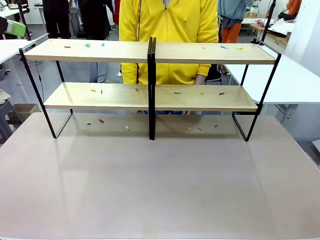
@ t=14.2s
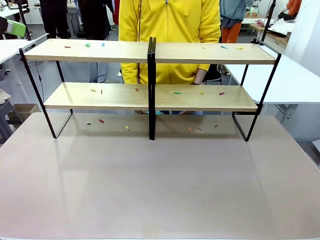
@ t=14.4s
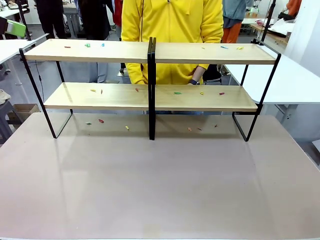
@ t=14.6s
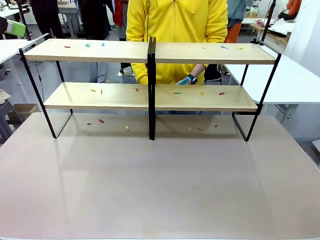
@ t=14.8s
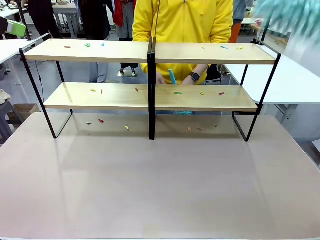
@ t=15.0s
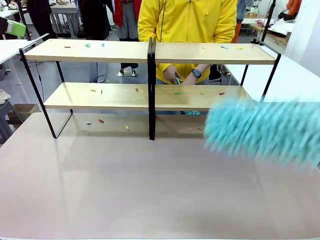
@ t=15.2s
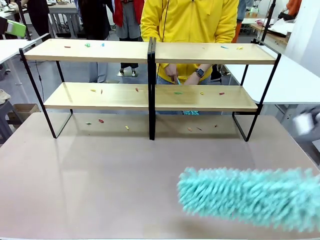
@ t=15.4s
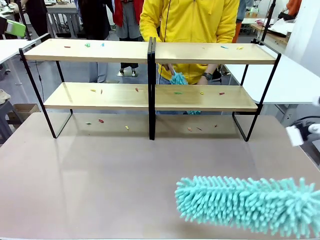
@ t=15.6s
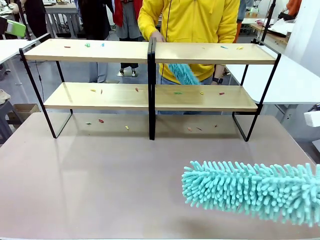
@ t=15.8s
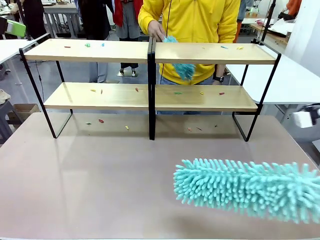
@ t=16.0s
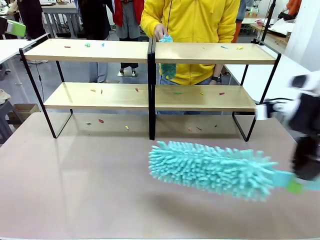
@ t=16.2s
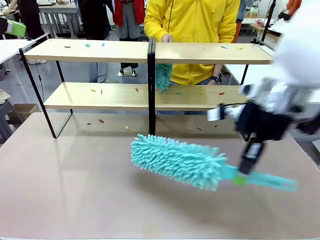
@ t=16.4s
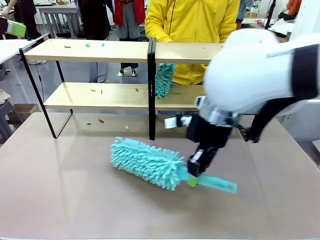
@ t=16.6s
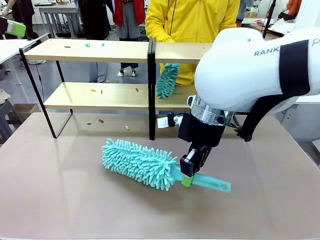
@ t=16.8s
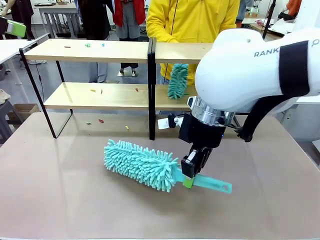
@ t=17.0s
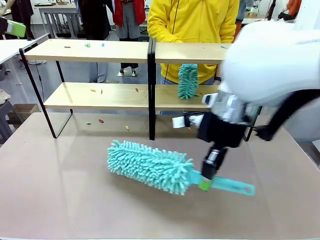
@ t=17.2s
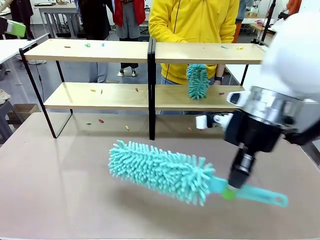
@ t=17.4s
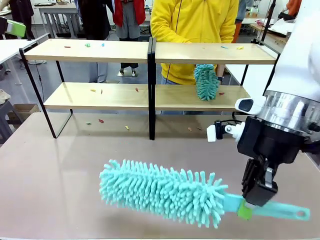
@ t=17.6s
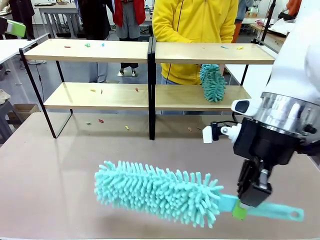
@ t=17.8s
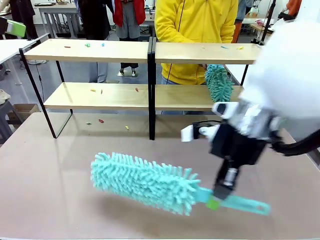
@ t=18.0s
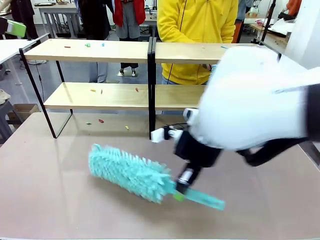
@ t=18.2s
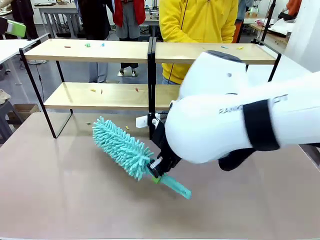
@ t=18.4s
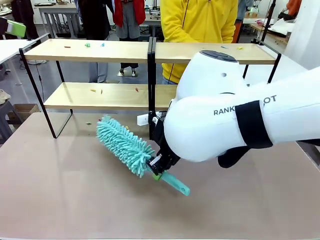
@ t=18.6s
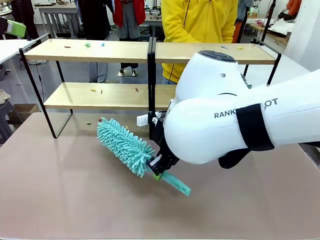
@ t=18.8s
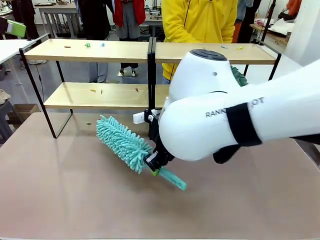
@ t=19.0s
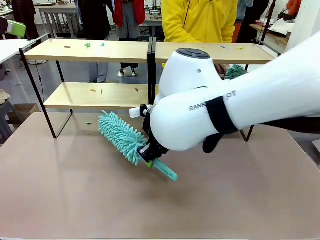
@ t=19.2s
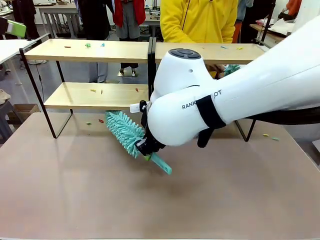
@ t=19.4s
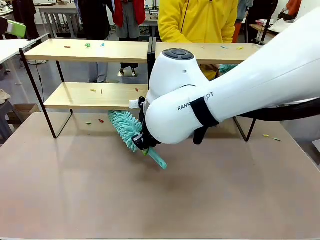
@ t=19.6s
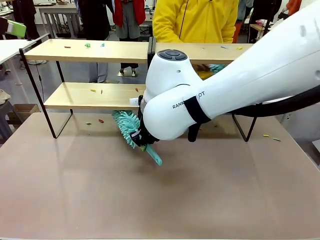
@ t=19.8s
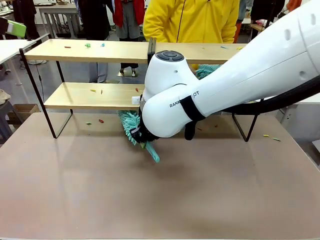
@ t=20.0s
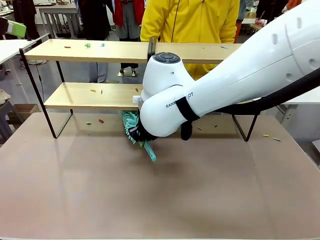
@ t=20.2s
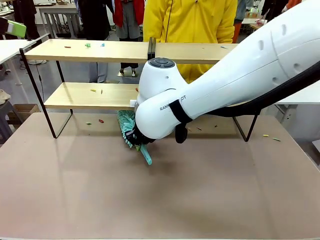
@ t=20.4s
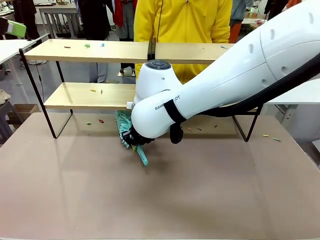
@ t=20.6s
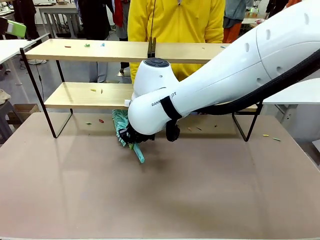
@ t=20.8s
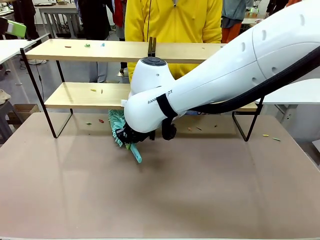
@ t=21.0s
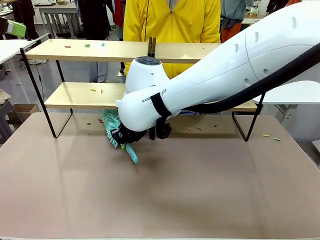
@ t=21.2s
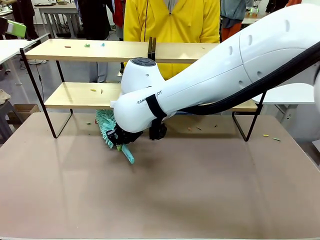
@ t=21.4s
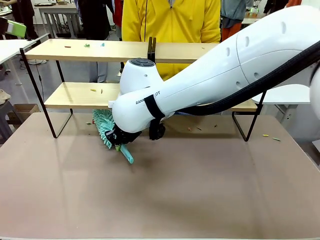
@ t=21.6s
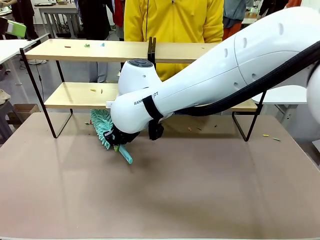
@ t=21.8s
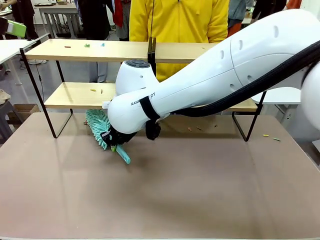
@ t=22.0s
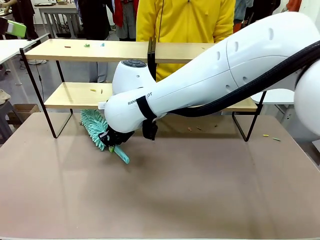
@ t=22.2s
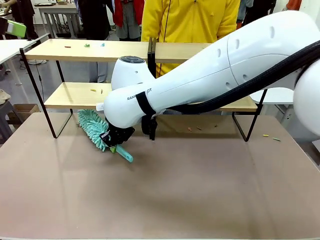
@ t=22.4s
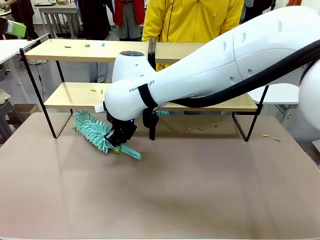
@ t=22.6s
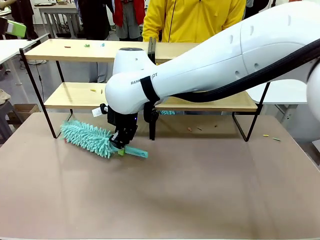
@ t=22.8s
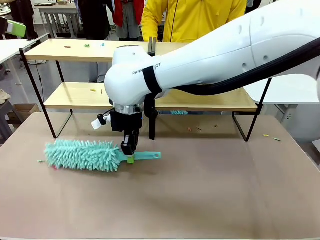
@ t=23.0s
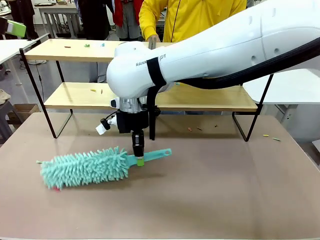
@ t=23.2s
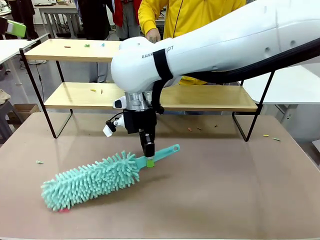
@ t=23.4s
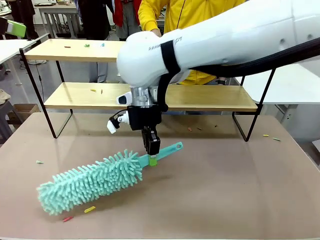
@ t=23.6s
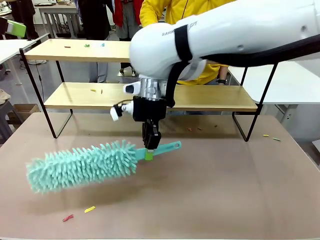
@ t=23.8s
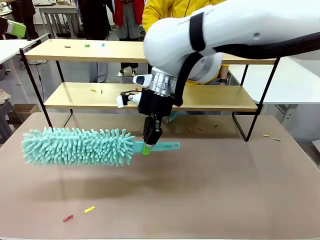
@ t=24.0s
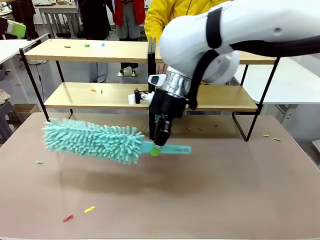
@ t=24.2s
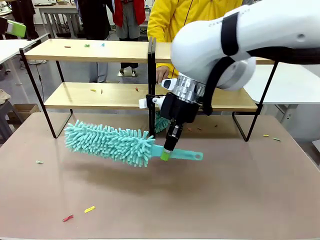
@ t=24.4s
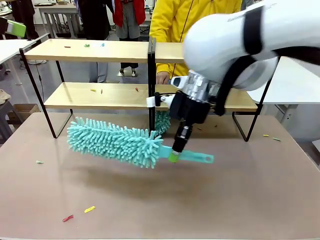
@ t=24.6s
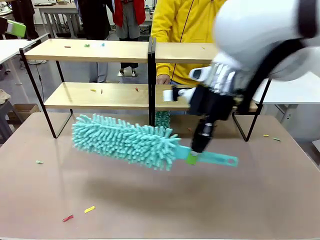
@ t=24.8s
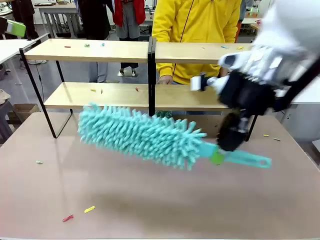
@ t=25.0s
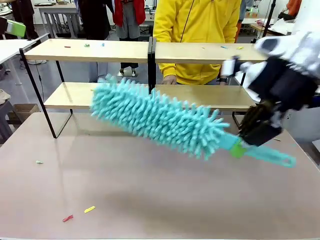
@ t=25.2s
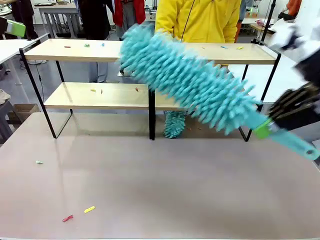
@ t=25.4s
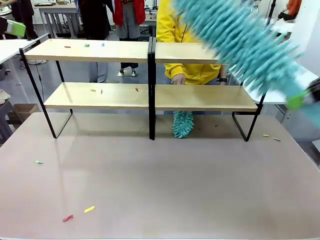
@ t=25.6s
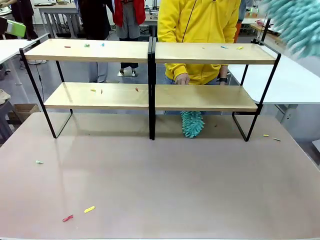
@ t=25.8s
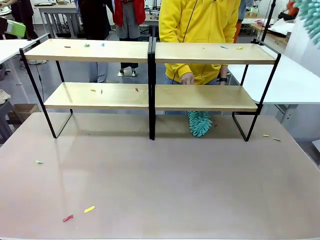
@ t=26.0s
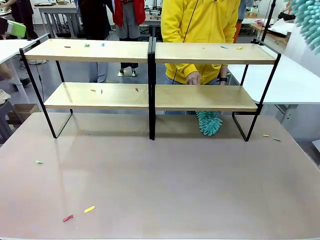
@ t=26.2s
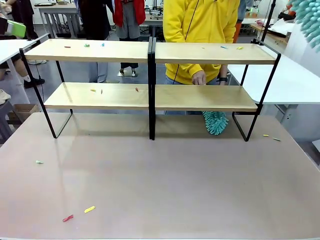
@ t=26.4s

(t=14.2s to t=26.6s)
Task: Clean the shelves.
Robot: Clean a randomly selected level of the Shelf with the Duster.

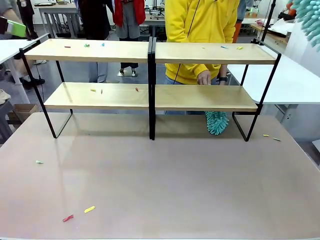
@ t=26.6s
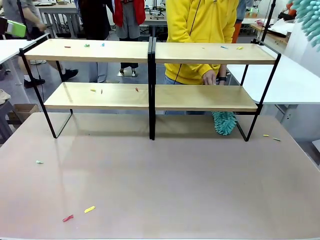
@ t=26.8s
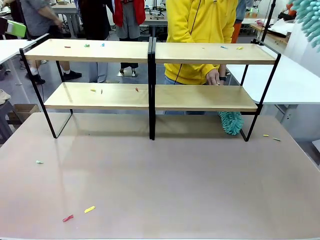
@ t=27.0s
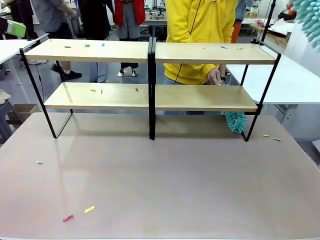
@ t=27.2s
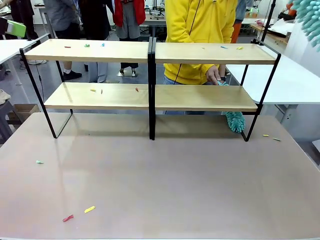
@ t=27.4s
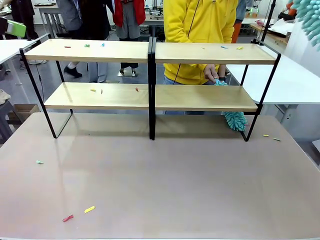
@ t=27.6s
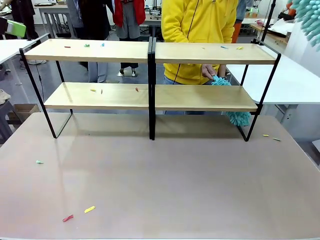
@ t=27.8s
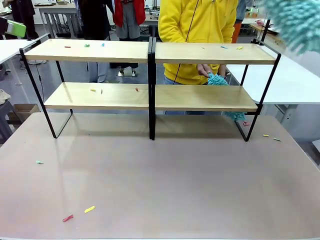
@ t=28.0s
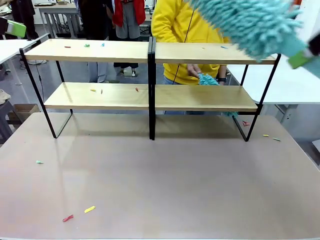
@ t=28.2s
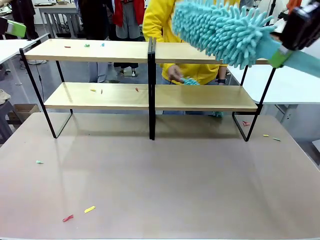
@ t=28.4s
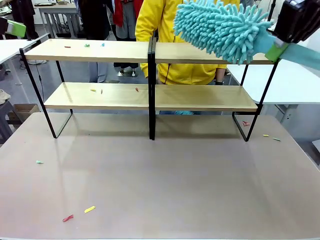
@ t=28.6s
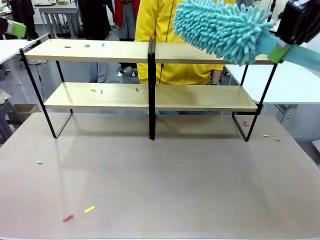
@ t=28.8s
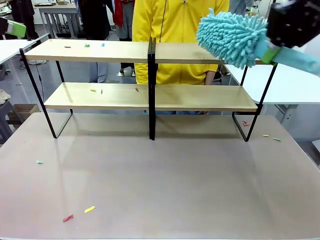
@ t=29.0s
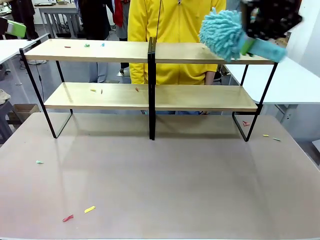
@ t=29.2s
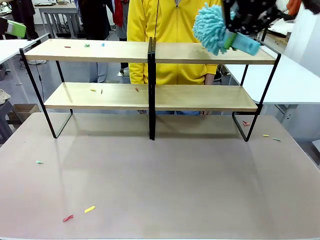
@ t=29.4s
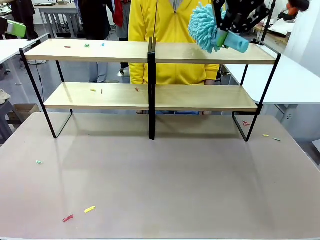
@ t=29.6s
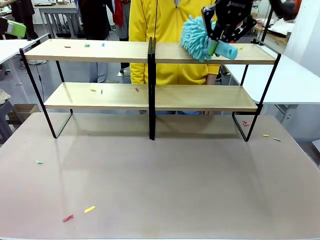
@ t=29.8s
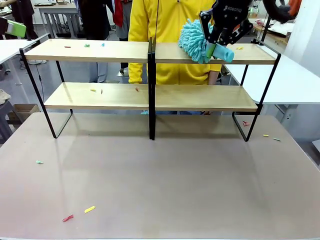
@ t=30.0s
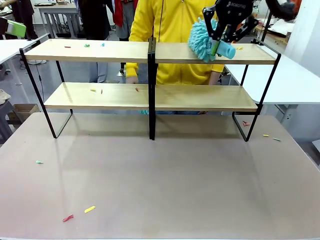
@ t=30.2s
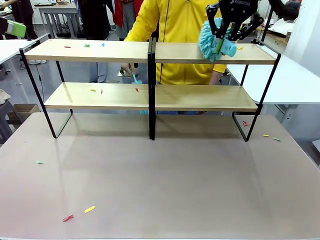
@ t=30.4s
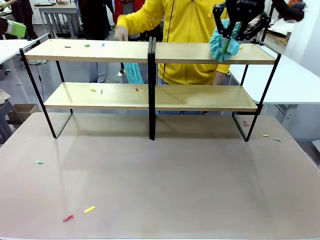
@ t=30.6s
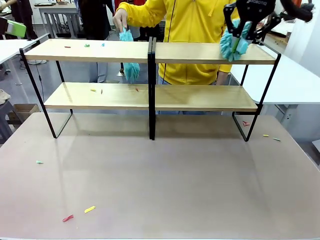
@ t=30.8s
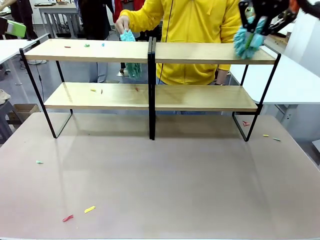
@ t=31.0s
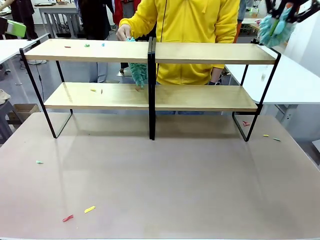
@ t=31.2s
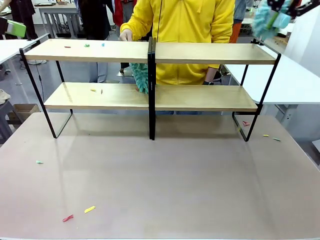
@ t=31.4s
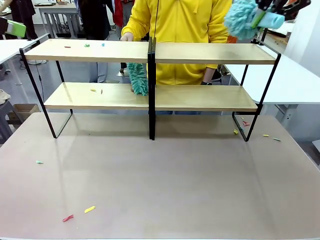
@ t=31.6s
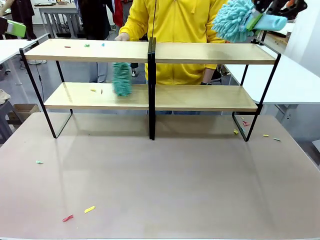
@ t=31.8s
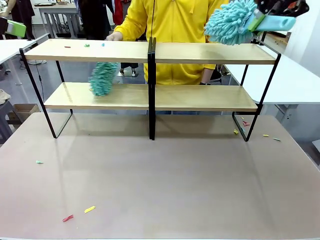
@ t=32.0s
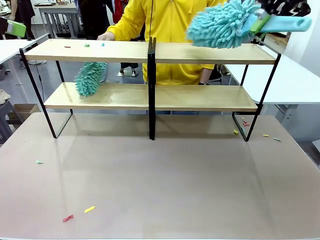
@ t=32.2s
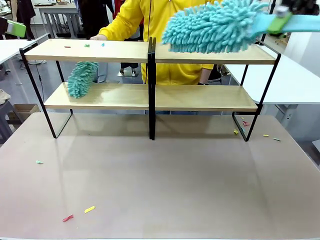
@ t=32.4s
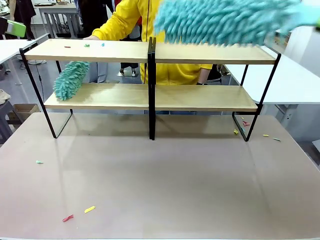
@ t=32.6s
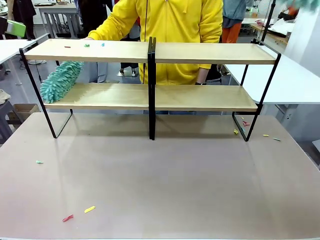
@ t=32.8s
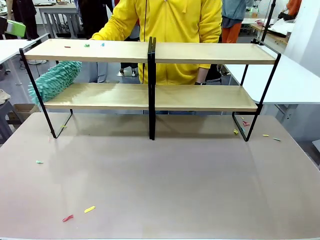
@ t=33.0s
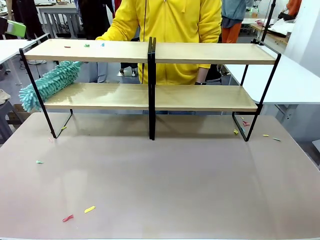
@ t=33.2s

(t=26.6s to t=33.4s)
Robot: Clean another randomly selected level of the Shelf with the Duster.

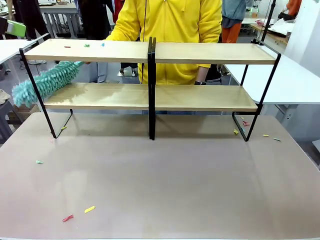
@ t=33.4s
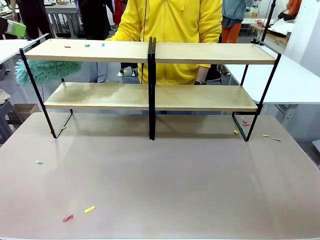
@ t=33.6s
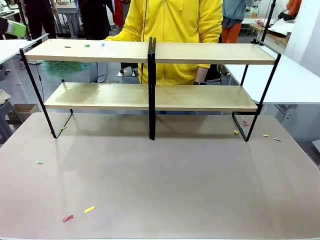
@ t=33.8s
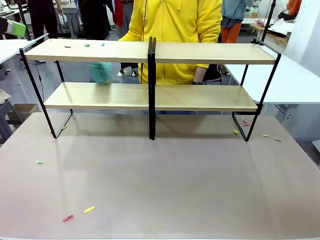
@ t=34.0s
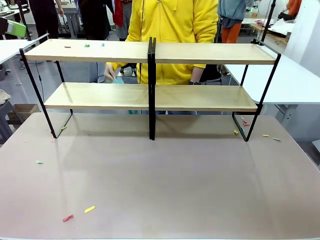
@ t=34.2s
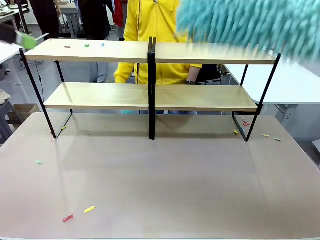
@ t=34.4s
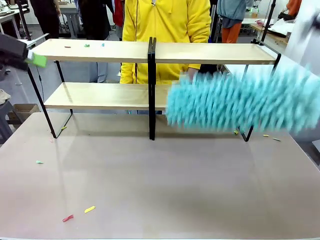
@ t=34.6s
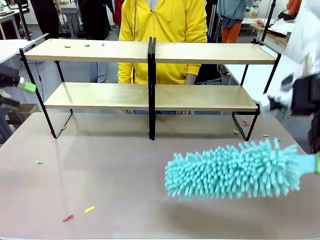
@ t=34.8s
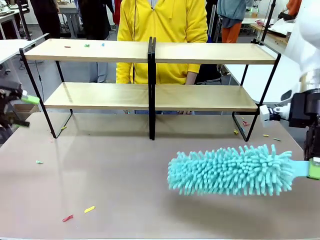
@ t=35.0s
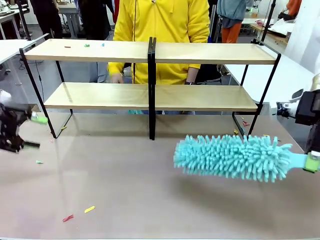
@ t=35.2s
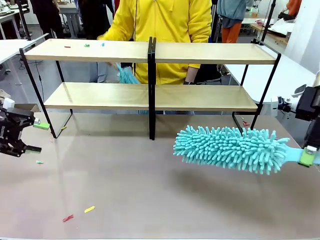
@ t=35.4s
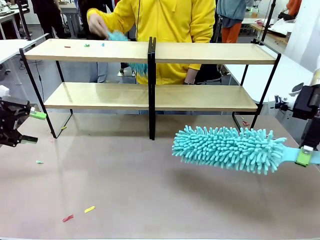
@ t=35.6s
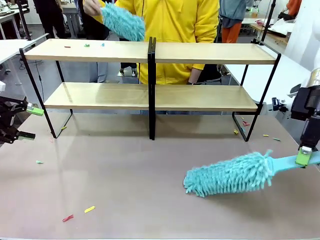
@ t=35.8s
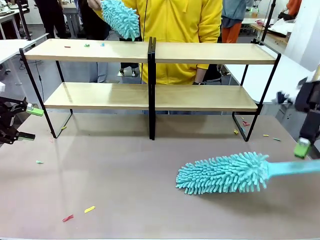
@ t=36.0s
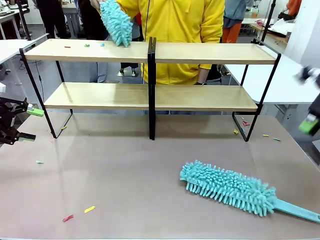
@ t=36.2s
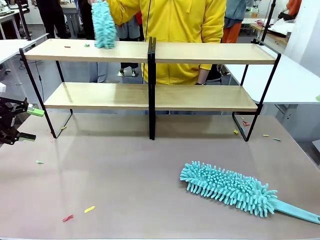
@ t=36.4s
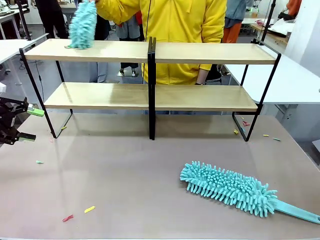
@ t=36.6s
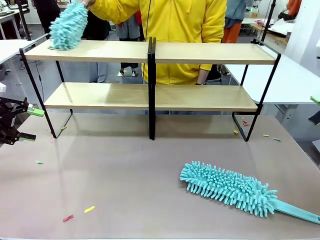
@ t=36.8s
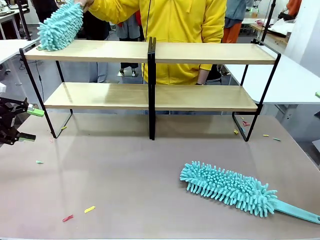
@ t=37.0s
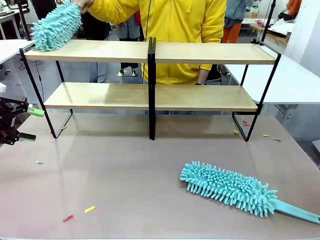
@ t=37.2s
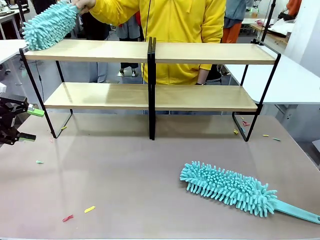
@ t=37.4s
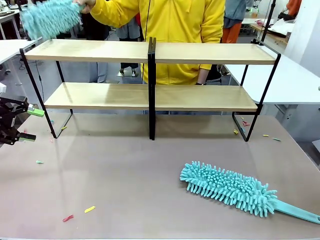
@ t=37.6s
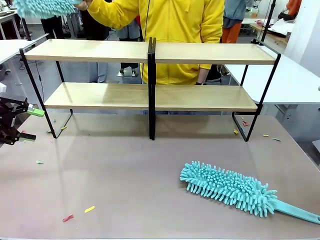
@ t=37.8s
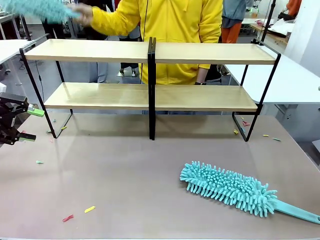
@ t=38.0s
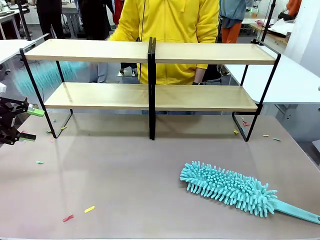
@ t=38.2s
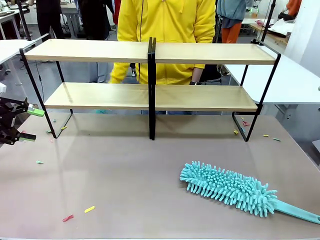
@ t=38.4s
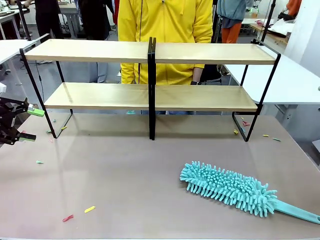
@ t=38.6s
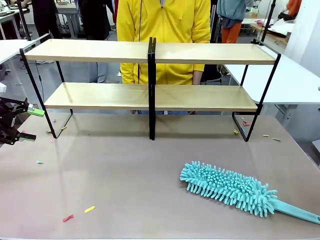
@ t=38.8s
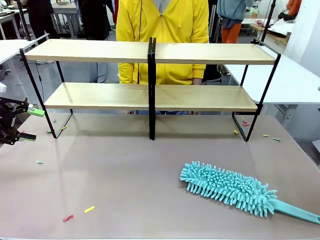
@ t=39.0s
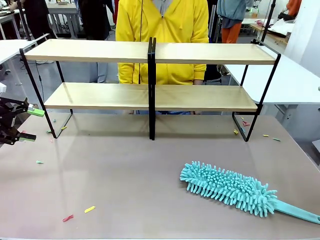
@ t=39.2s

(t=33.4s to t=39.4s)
Robot: Place the Duster on the table.
